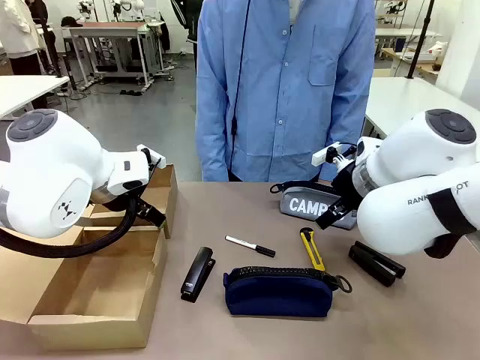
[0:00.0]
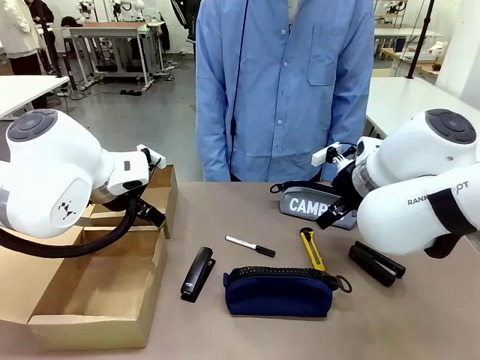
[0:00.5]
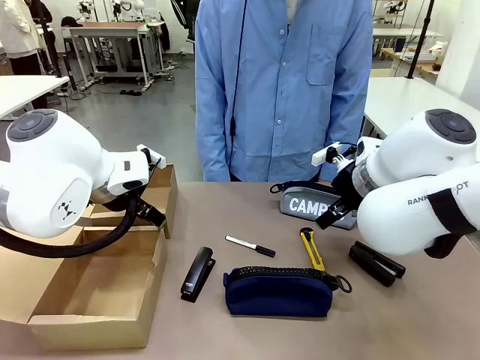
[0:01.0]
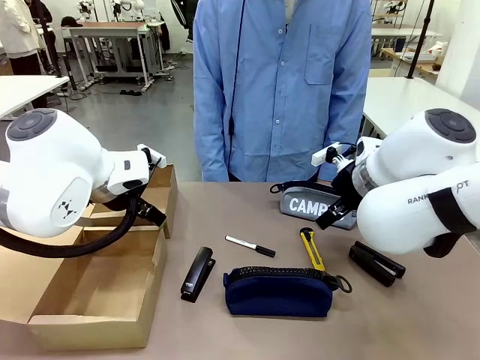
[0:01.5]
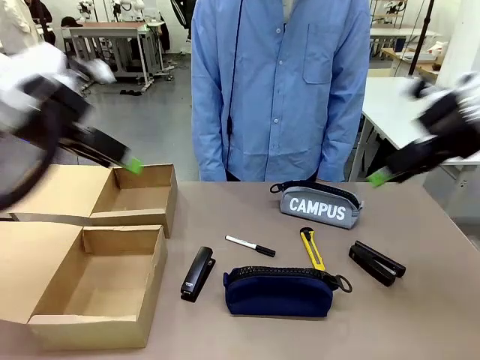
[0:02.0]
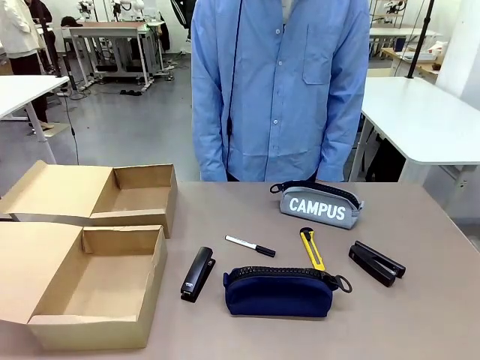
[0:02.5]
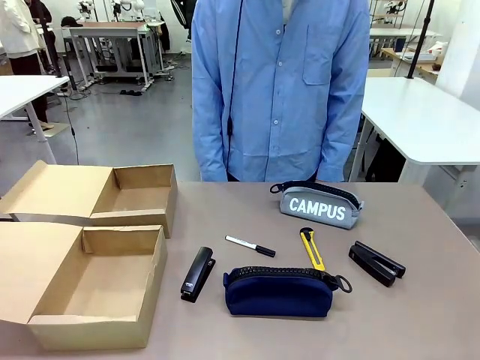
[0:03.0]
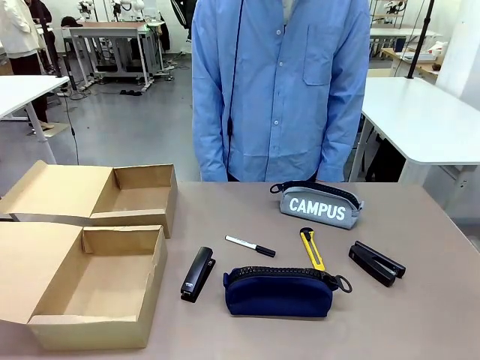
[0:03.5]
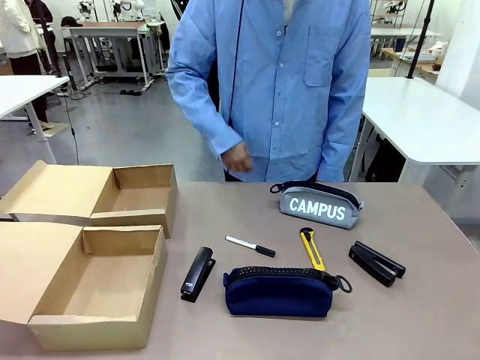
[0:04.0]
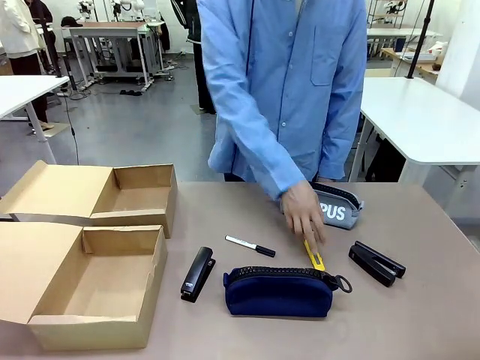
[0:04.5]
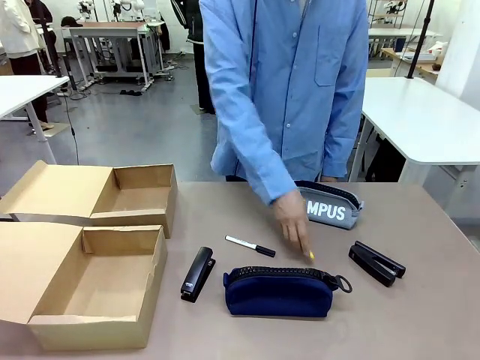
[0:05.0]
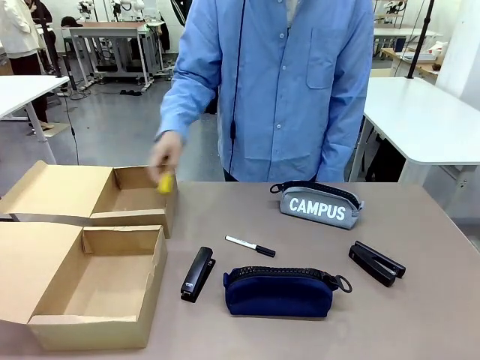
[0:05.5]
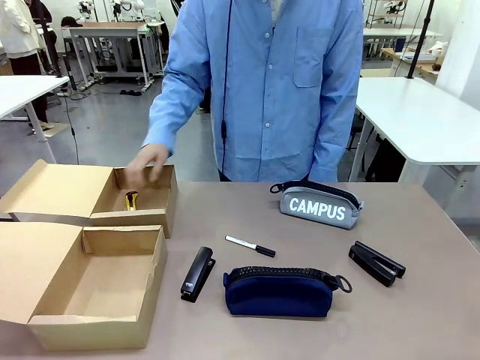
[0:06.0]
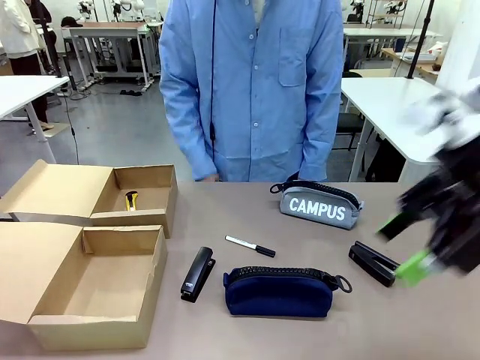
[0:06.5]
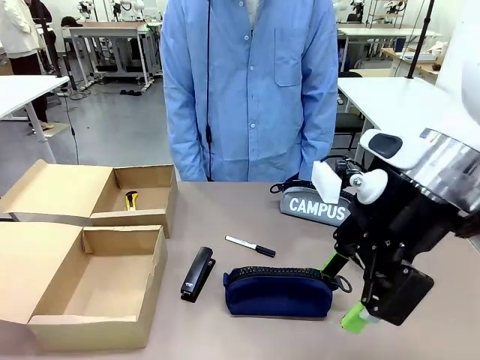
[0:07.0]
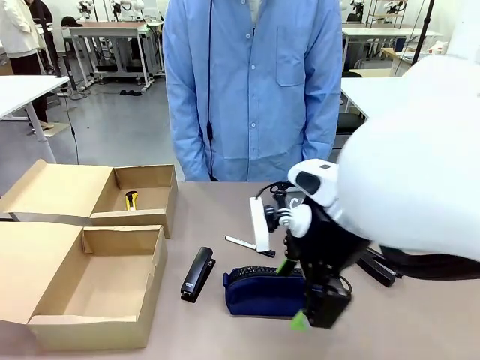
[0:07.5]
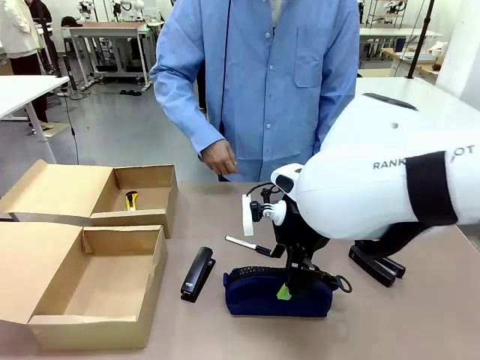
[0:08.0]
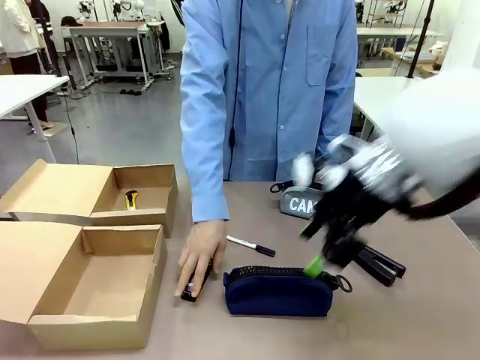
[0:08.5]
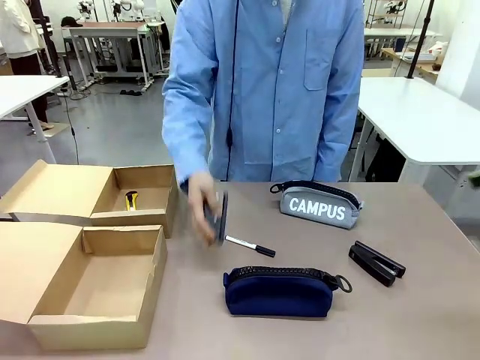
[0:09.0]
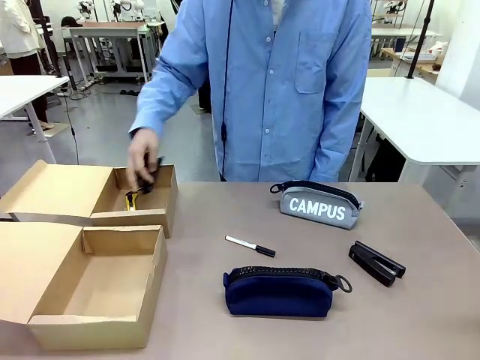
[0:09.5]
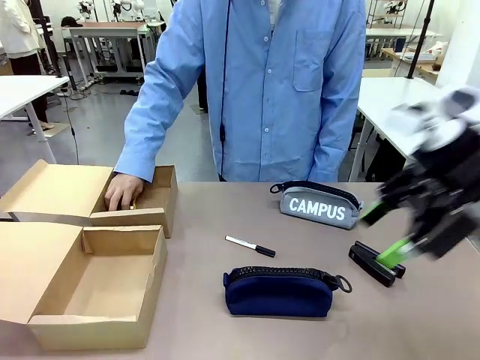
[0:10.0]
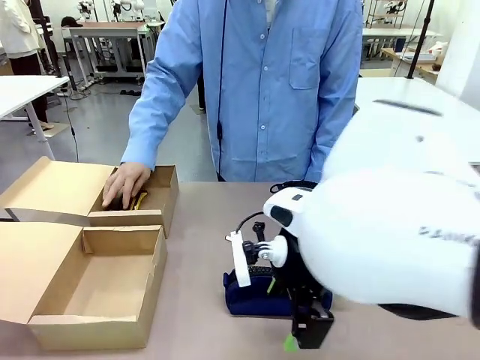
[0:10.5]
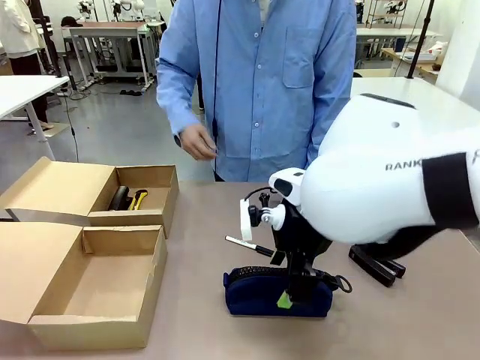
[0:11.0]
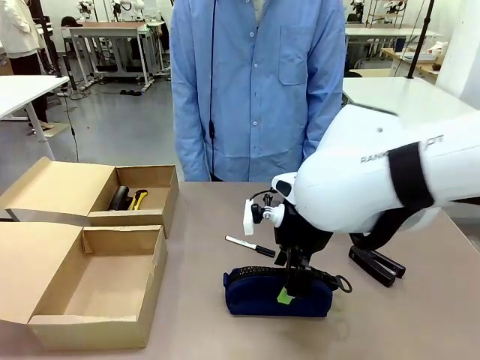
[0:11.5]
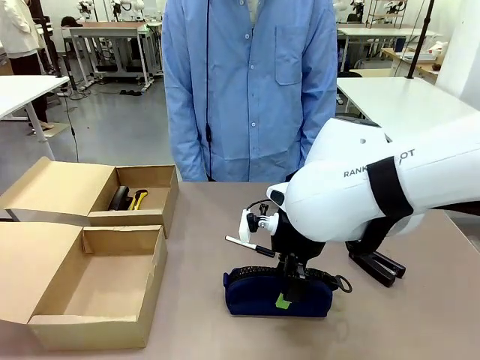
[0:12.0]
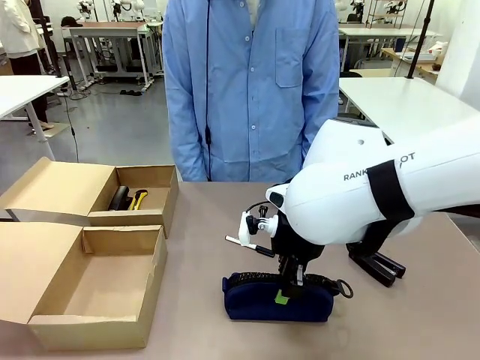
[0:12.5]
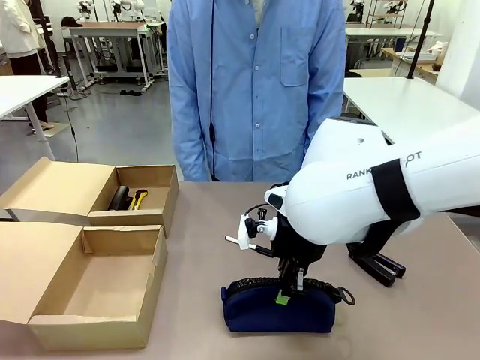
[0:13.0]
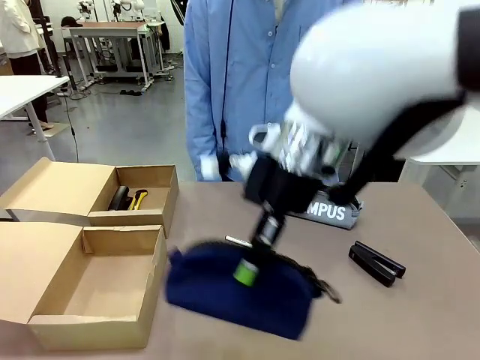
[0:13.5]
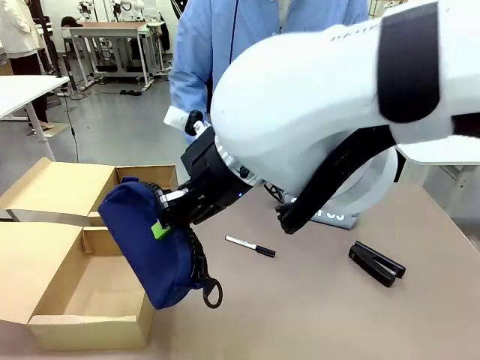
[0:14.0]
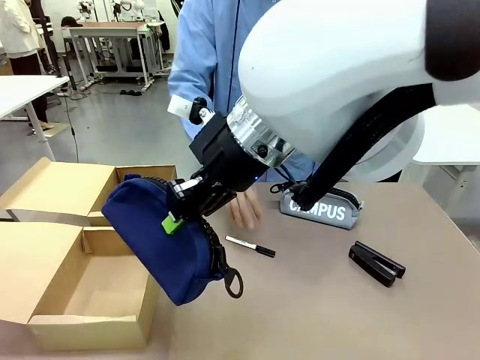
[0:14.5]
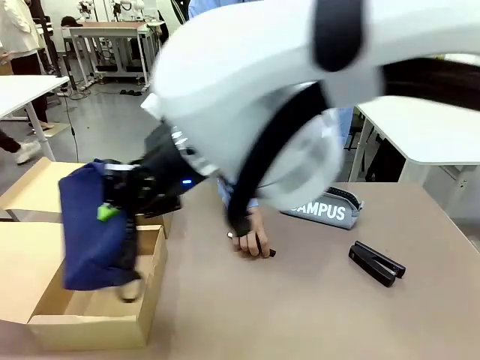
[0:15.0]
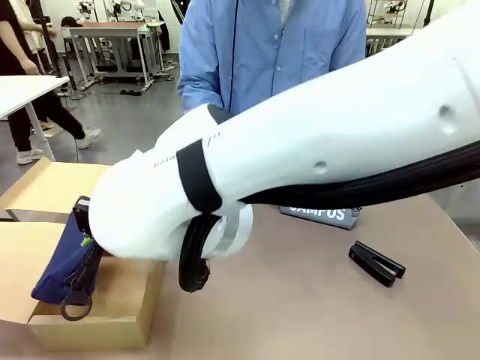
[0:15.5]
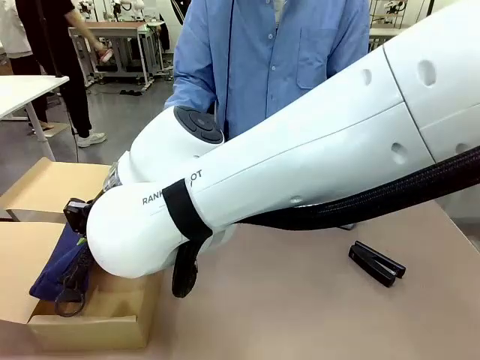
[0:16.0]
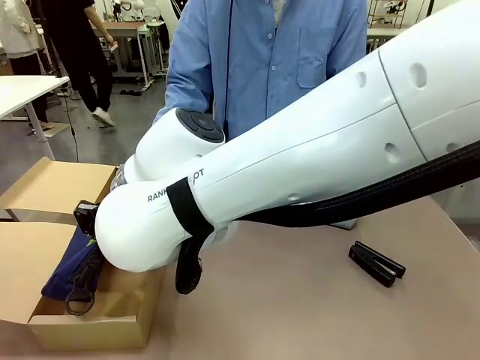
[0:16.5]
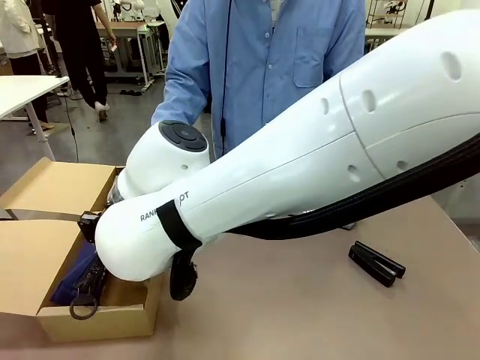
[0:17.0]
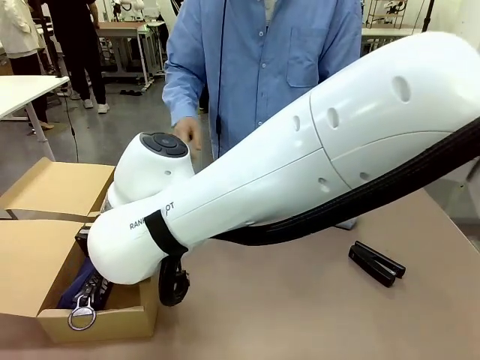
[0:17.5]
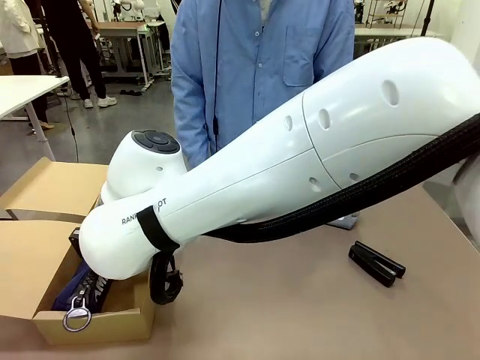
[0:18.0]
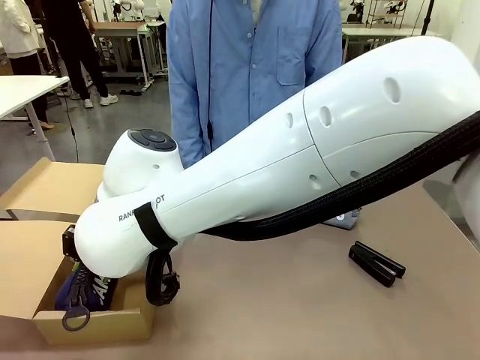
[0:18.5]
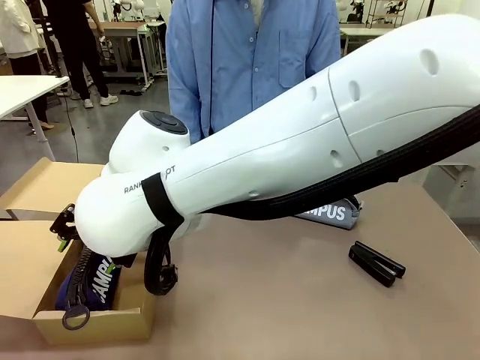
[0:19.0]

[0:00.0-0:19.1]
Task: Place items inside the box.
Robot: Pick up a Pencil pouch or Stapler and place it inside the Mailer Box closest to the robot.
Person: Pick up an object on the table and put it in the box.
